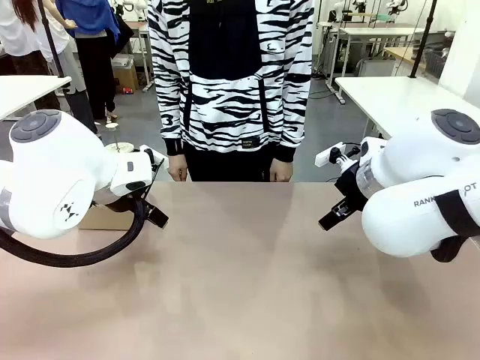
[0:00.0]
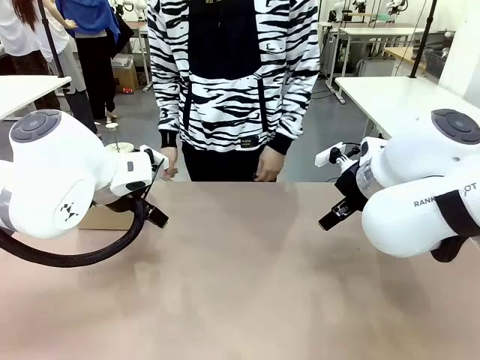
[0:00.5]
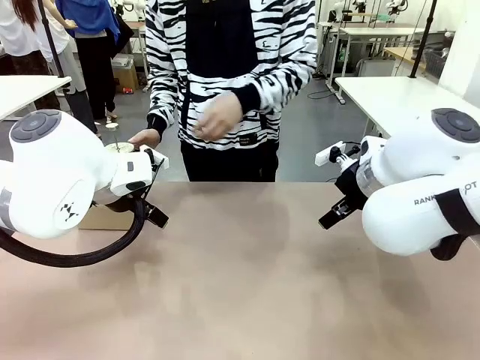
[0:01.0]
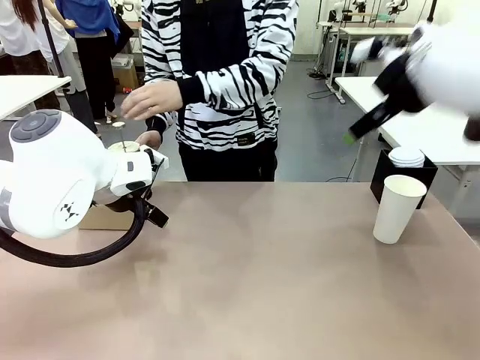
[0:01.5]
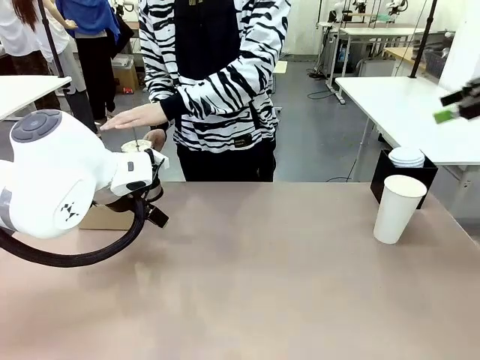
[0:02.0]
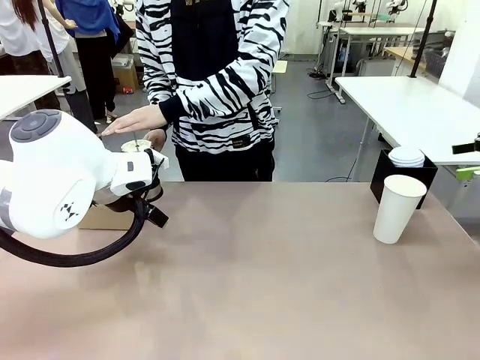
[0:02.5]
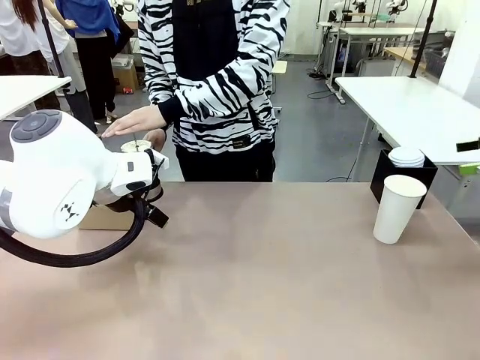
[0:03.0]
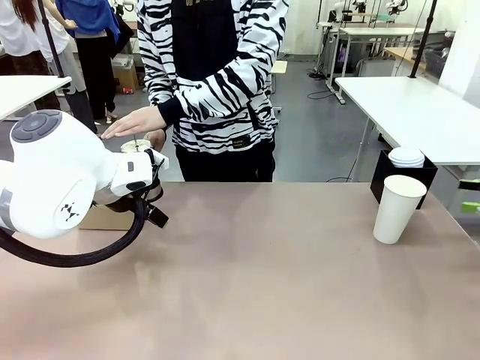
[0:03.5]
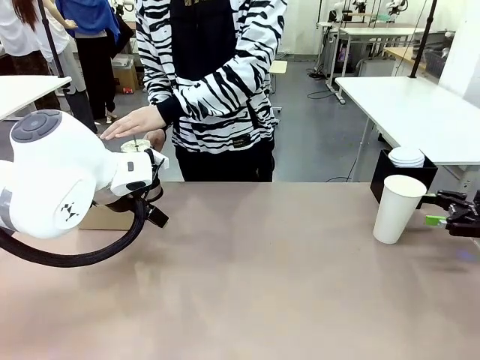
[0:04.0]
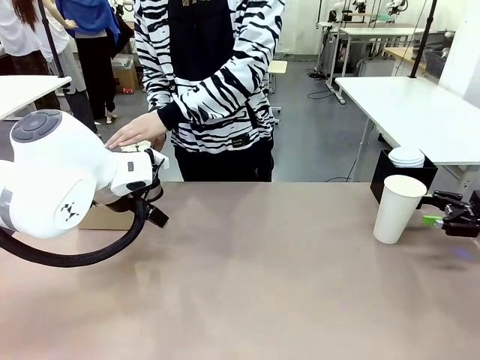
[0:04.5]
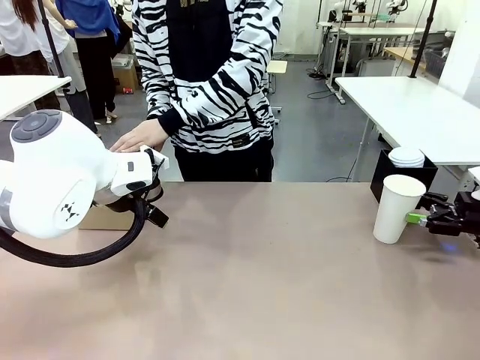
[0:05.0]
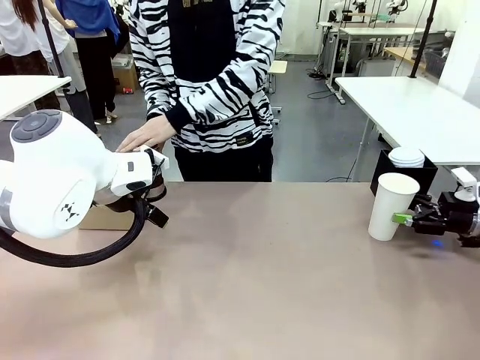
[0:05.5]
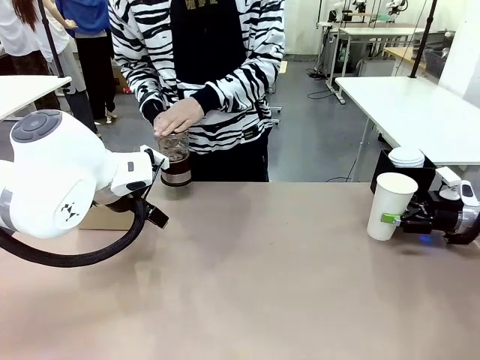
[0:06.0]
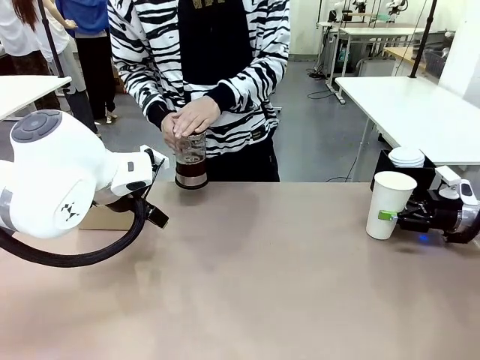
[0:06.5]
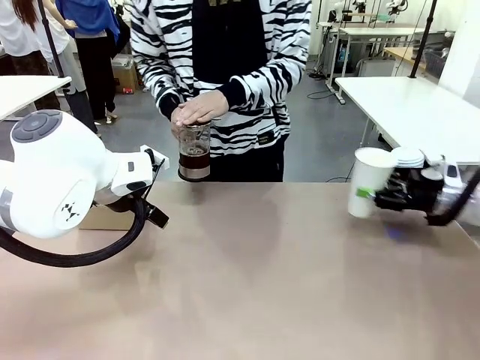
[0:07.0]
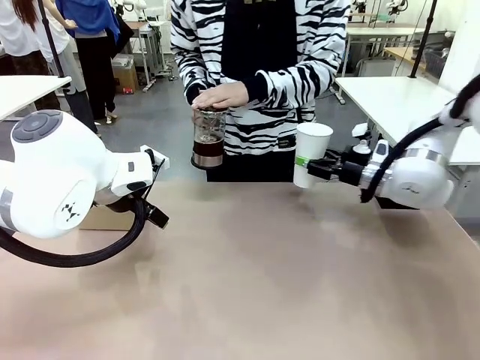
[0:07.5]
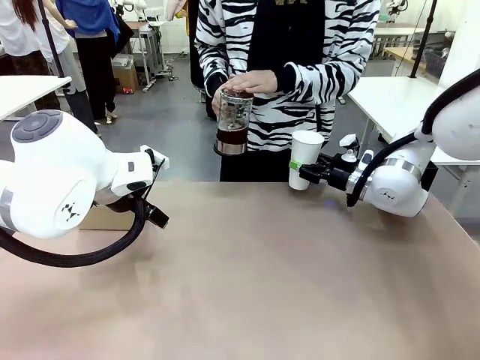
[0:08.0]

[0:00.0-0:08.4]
Task: Pour a drink into a cup and package it in a carrier.
Robot: Pick up the 600 ml Paper Cup and place it in the middle top area of the table.
Person: Press and pick up the Filter Brewing.

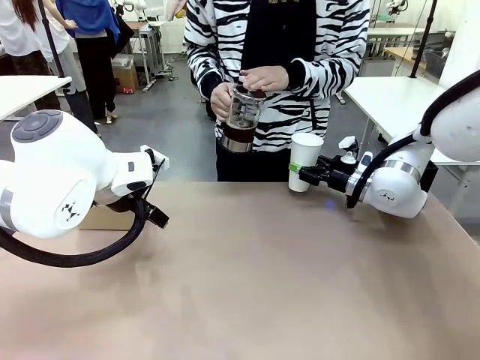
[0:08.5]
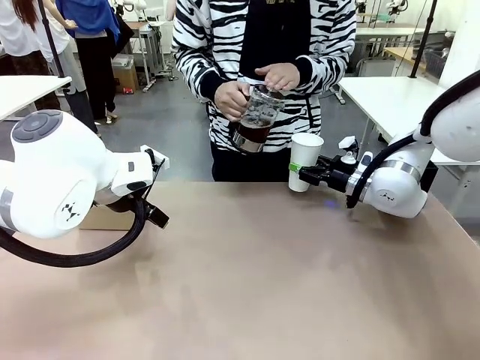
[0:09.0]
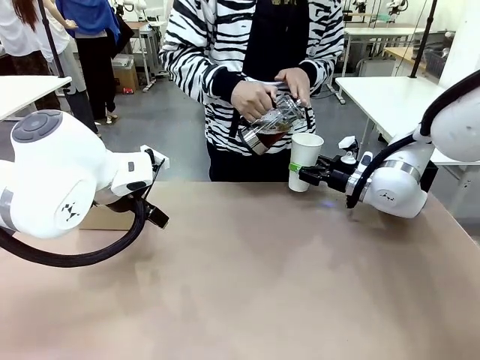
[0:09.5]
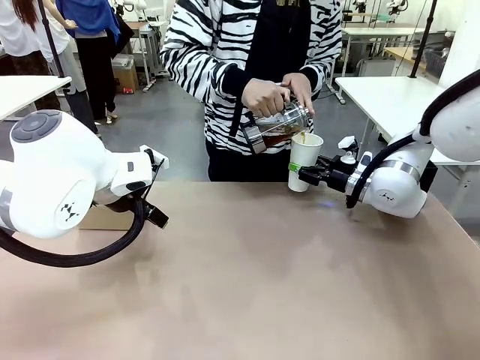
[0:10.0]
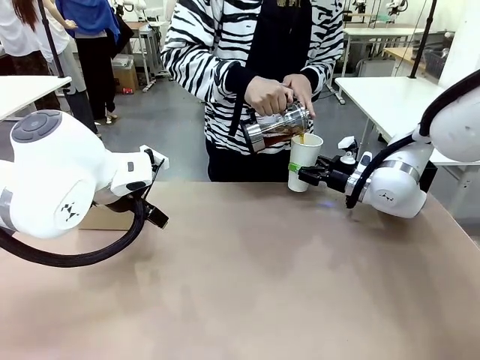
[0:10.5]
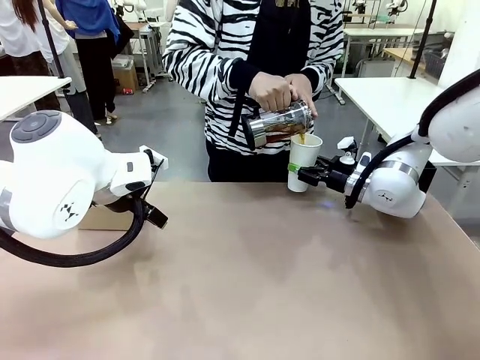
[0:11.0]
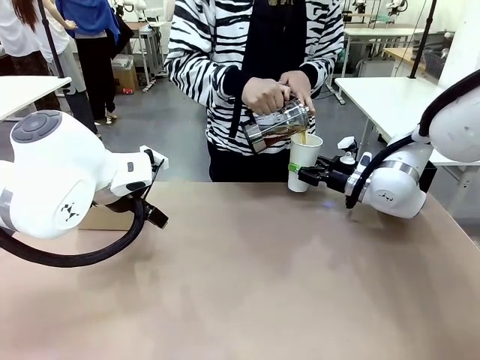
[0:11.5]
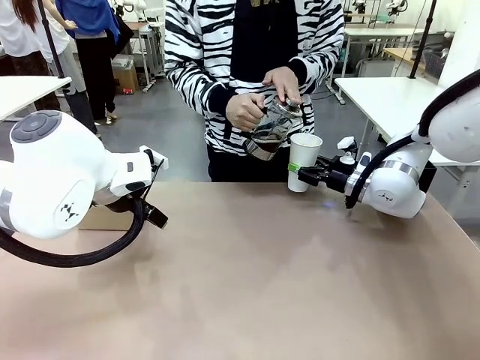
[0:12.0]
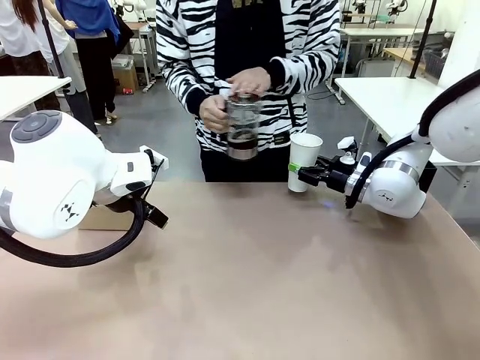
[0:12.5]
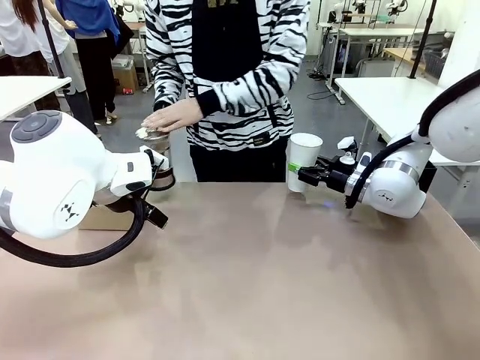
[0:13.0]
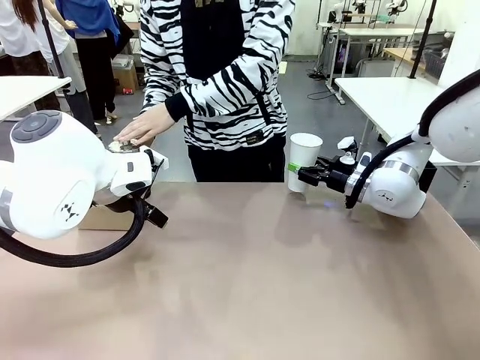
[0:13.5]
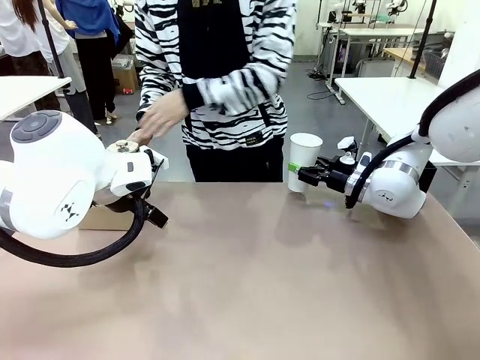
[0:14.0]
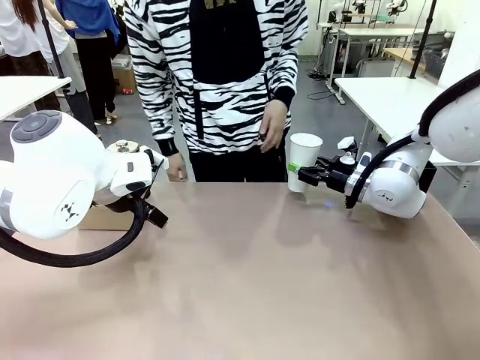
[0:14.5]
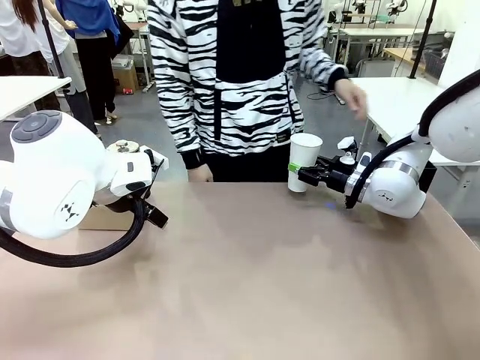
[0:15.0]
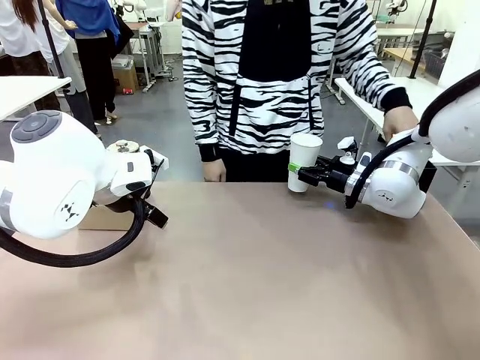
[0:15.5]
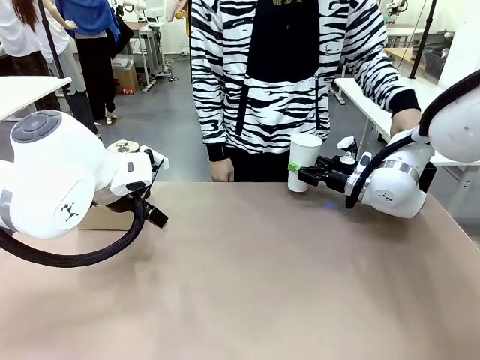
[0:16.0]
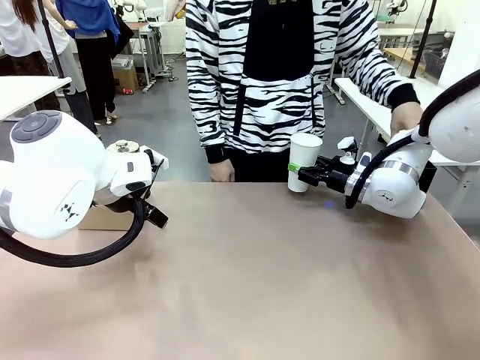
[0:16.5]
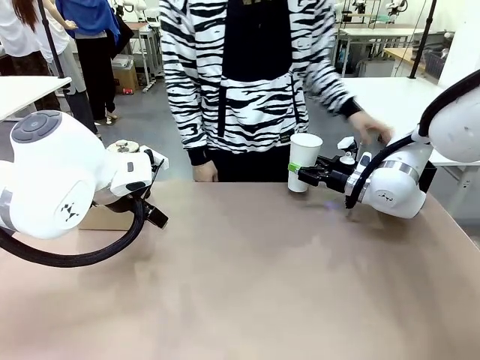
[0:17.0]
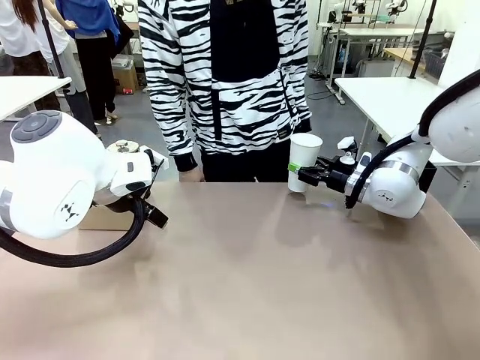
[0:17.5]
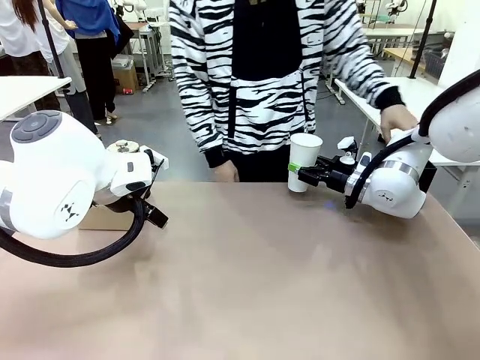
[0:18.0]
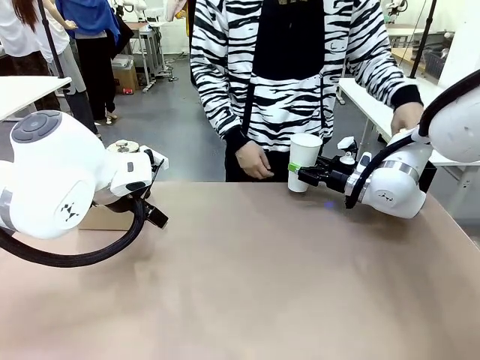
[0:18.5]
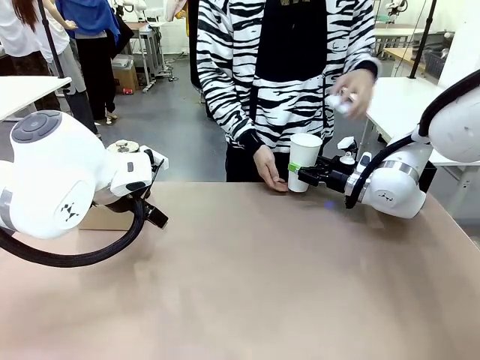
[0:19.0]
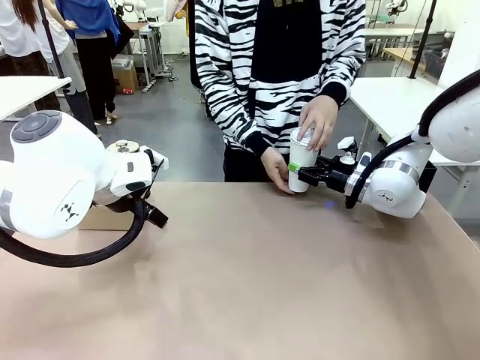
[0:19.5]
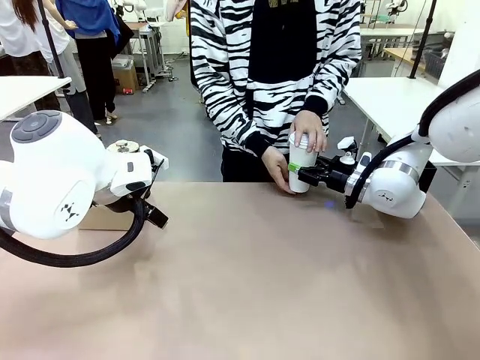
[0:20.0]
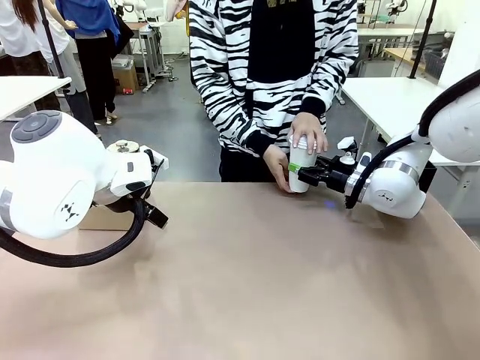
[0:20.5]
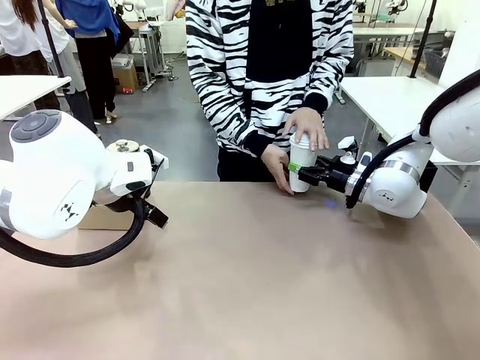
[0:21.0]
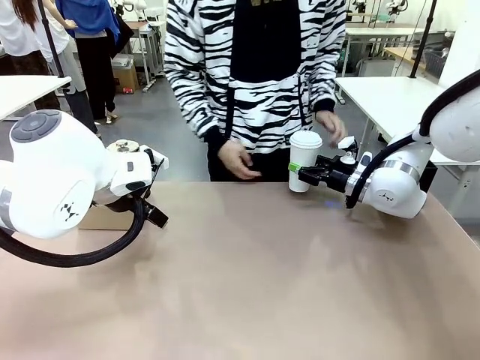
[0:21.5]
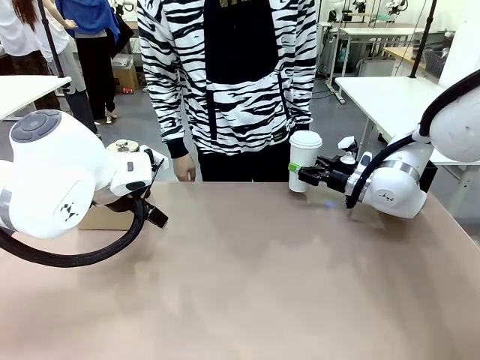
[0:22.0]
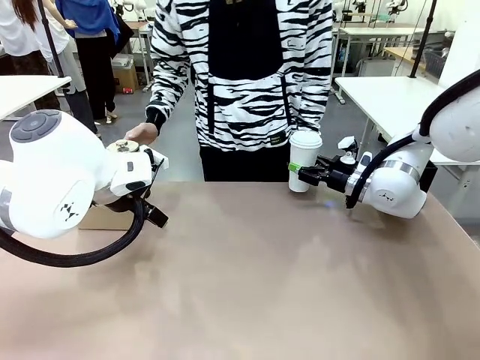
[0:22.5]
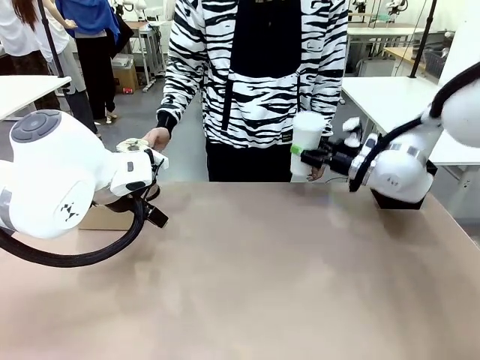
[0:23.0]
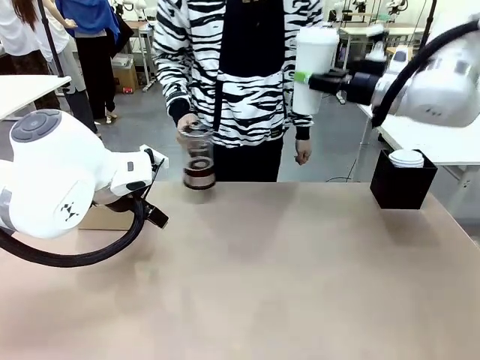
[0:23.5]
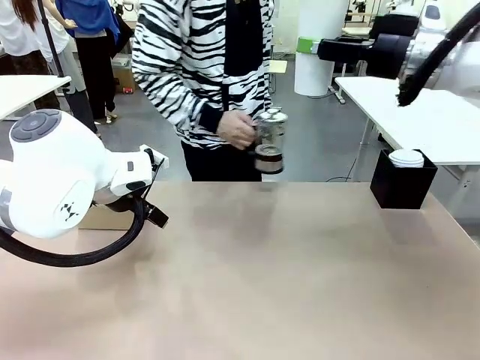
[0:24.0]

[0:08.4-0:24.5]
Robot: When a person places the Paper Cup Lid on the 600 ml Paper Cup , lift the 600 ml Paper Cup.
Person: Pour the drink from the Filter Brewing into the 600 ml Paper Cup. Place a Paper Cup Lid on the 600 ml Paper Cup.
